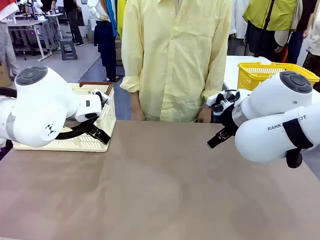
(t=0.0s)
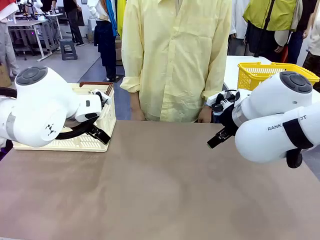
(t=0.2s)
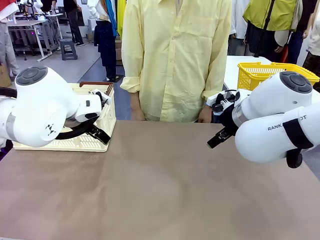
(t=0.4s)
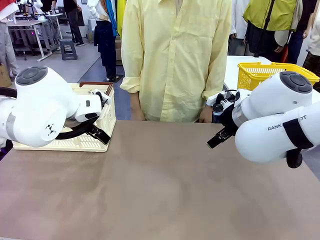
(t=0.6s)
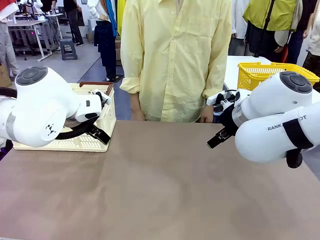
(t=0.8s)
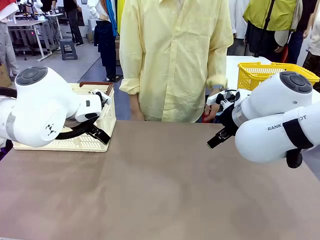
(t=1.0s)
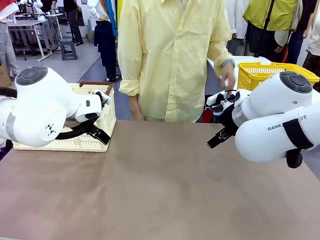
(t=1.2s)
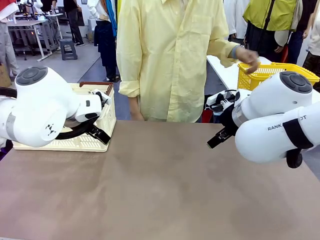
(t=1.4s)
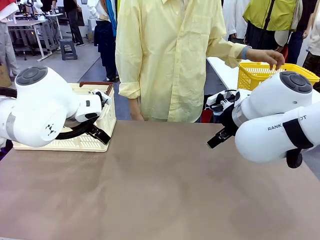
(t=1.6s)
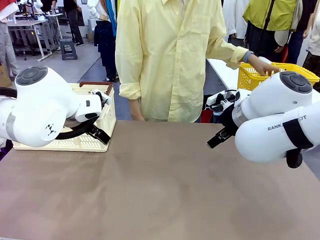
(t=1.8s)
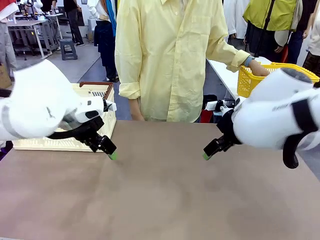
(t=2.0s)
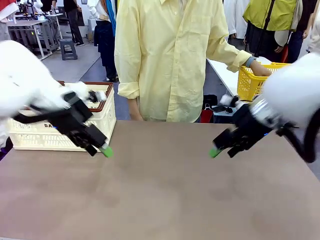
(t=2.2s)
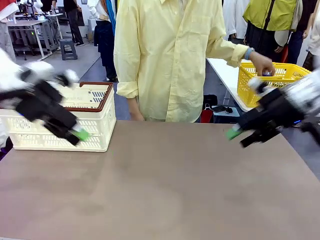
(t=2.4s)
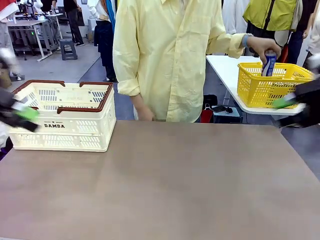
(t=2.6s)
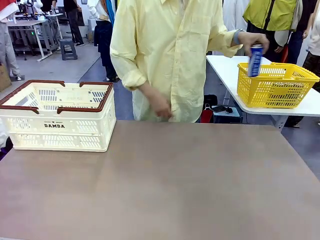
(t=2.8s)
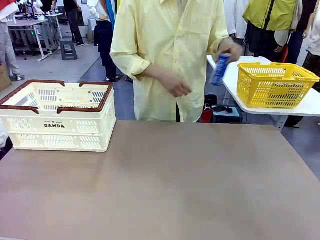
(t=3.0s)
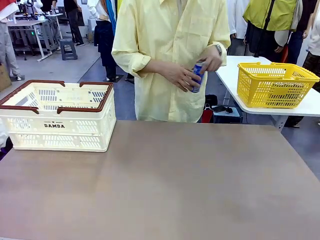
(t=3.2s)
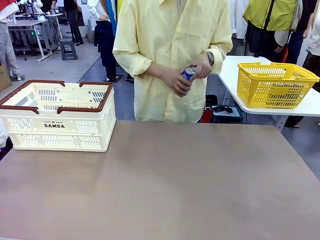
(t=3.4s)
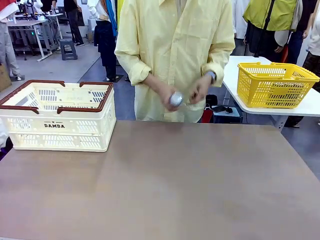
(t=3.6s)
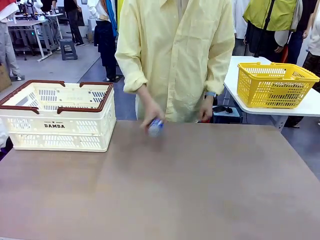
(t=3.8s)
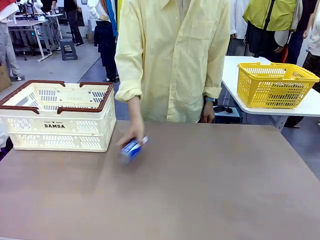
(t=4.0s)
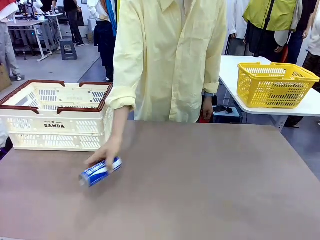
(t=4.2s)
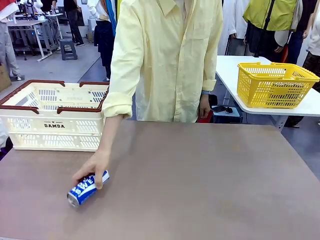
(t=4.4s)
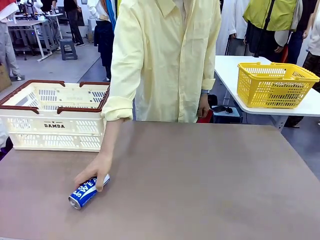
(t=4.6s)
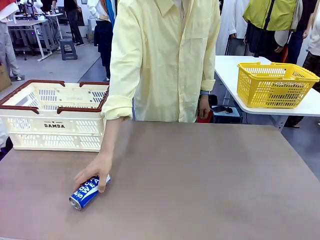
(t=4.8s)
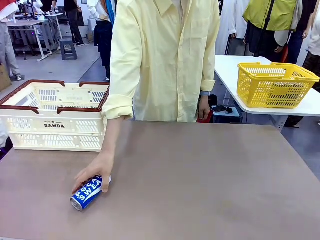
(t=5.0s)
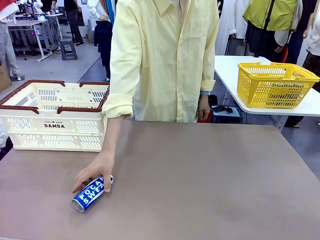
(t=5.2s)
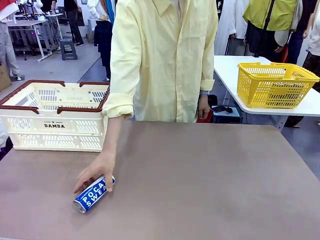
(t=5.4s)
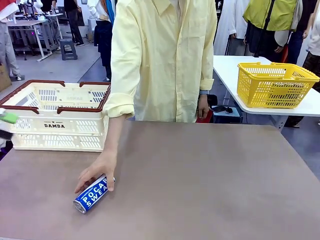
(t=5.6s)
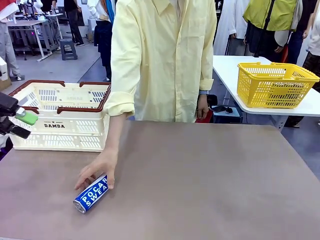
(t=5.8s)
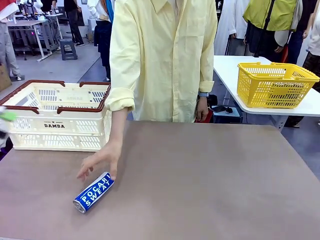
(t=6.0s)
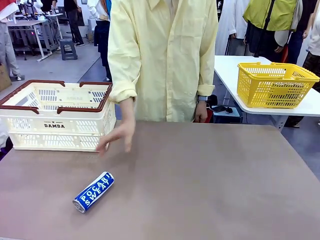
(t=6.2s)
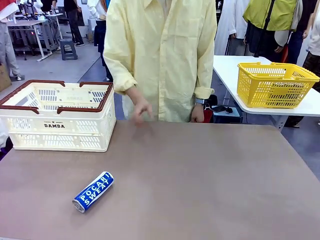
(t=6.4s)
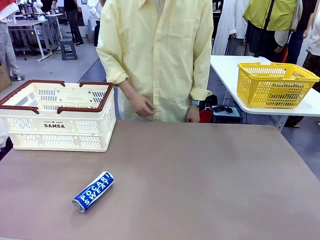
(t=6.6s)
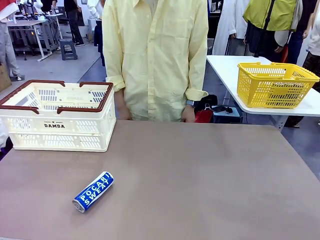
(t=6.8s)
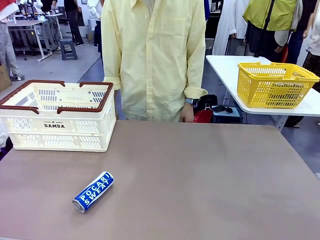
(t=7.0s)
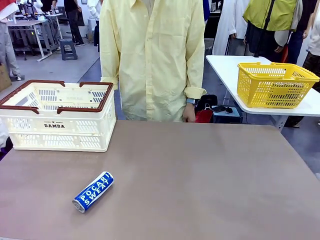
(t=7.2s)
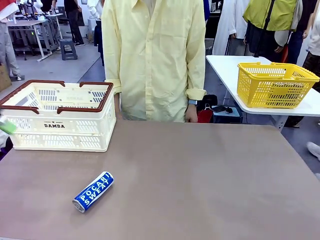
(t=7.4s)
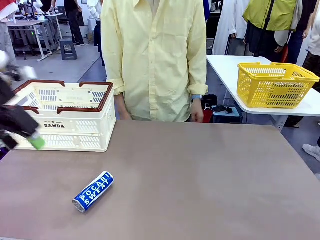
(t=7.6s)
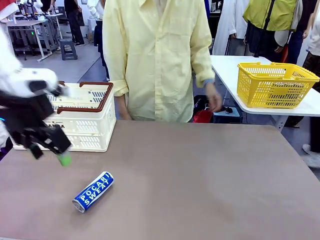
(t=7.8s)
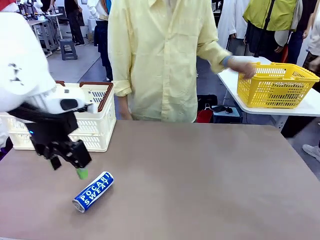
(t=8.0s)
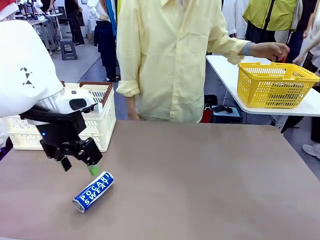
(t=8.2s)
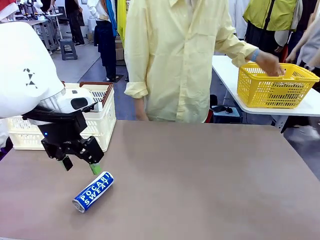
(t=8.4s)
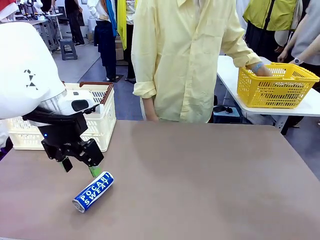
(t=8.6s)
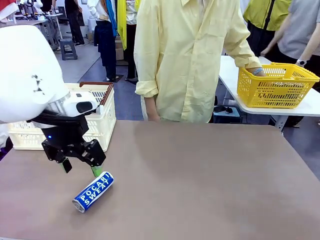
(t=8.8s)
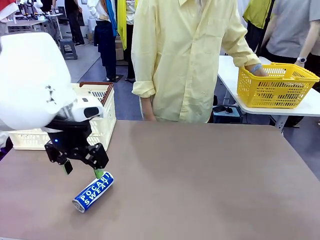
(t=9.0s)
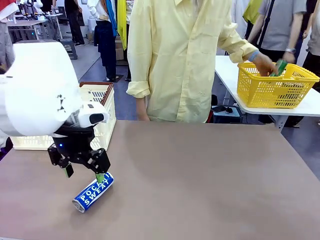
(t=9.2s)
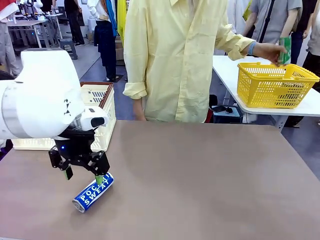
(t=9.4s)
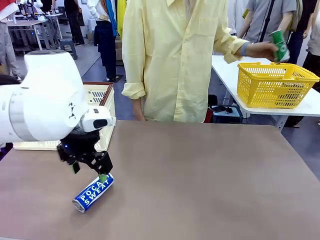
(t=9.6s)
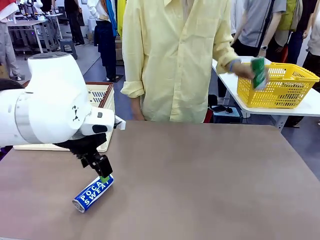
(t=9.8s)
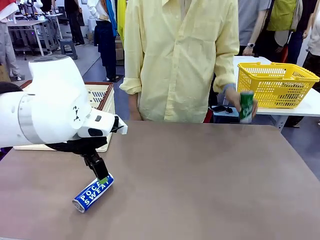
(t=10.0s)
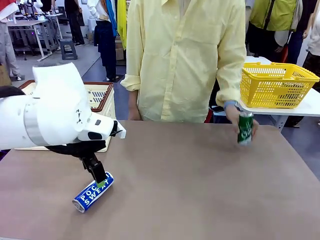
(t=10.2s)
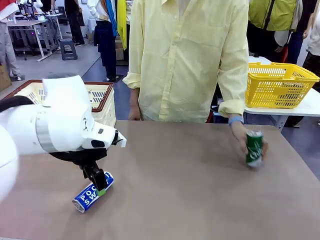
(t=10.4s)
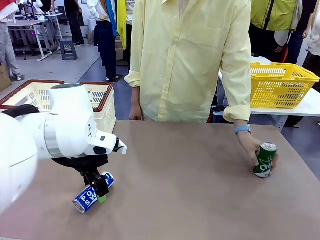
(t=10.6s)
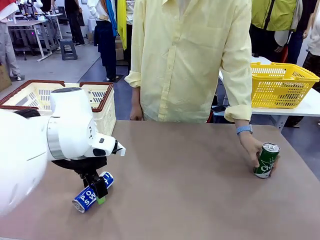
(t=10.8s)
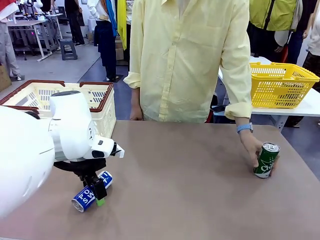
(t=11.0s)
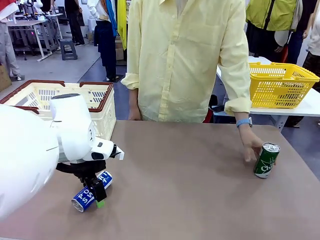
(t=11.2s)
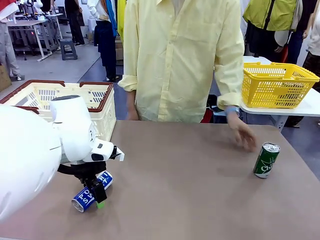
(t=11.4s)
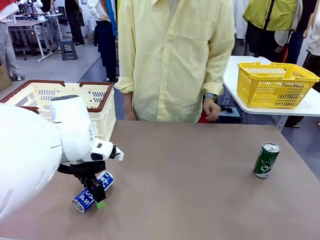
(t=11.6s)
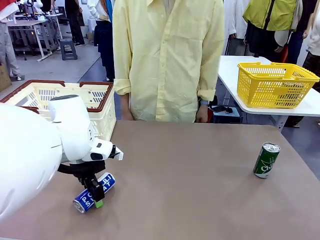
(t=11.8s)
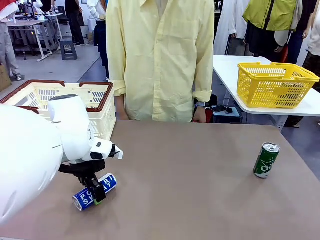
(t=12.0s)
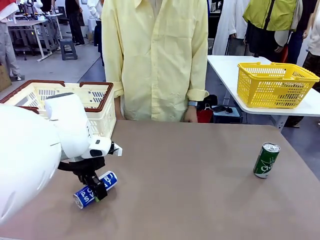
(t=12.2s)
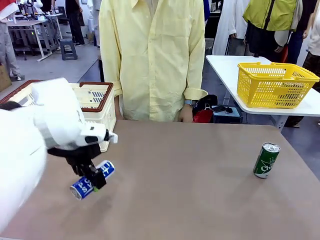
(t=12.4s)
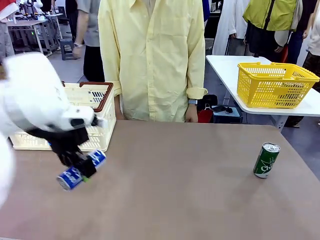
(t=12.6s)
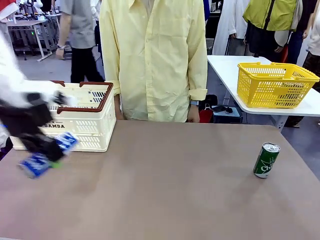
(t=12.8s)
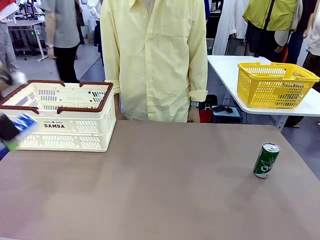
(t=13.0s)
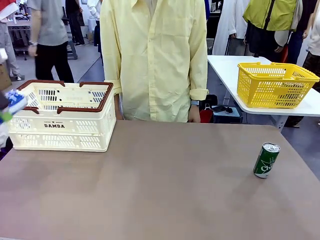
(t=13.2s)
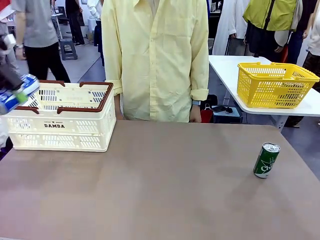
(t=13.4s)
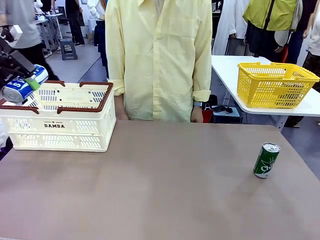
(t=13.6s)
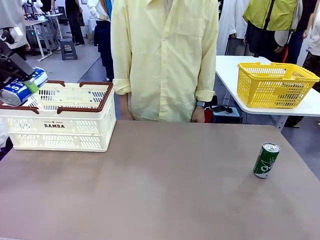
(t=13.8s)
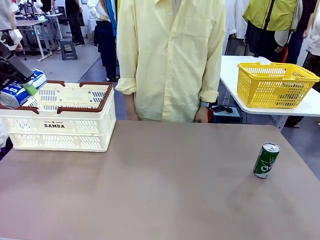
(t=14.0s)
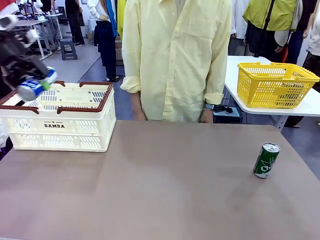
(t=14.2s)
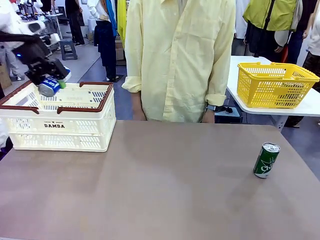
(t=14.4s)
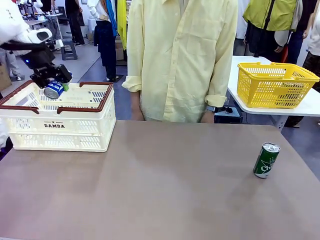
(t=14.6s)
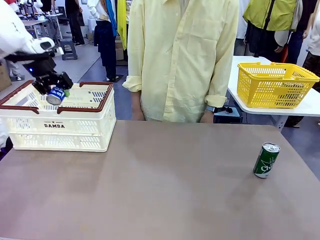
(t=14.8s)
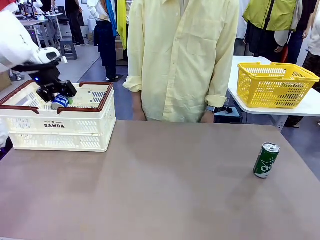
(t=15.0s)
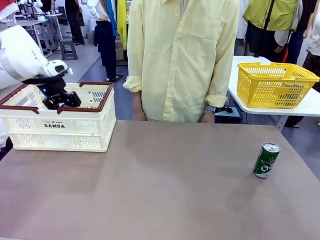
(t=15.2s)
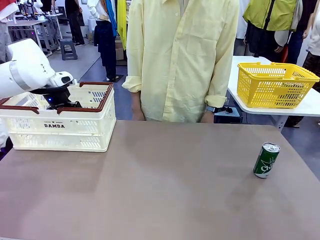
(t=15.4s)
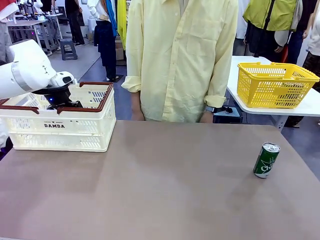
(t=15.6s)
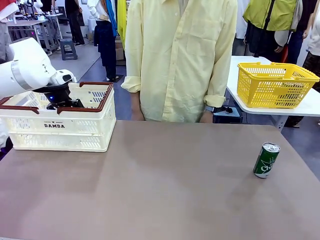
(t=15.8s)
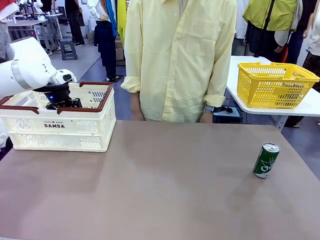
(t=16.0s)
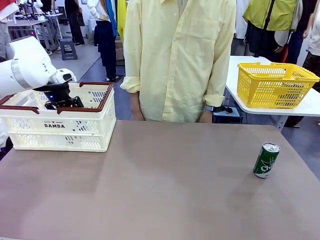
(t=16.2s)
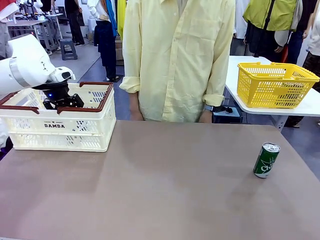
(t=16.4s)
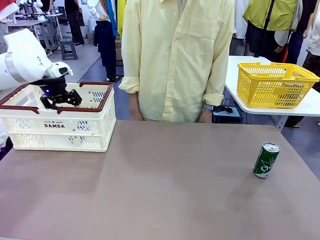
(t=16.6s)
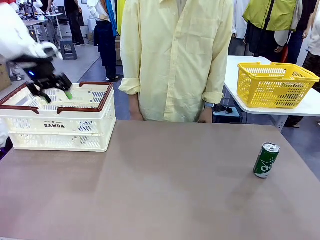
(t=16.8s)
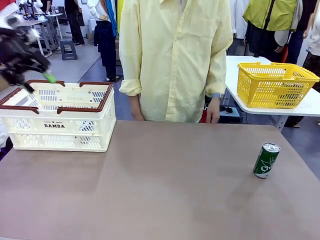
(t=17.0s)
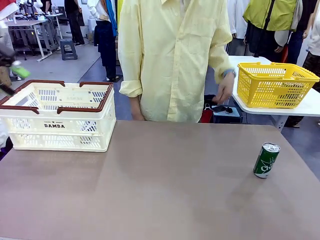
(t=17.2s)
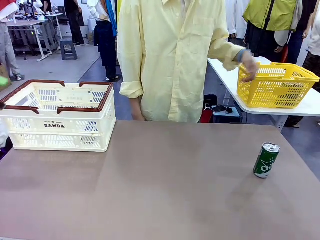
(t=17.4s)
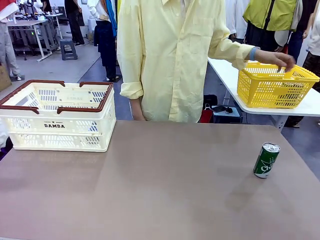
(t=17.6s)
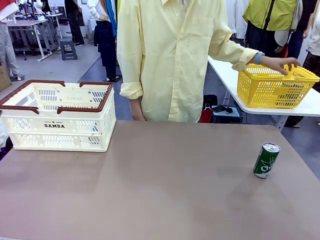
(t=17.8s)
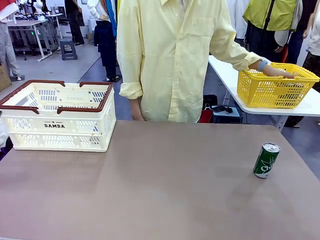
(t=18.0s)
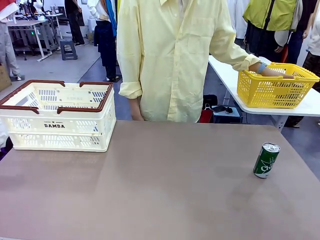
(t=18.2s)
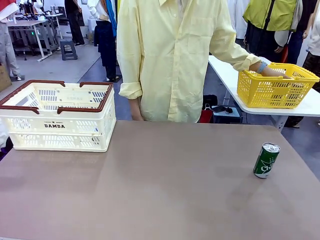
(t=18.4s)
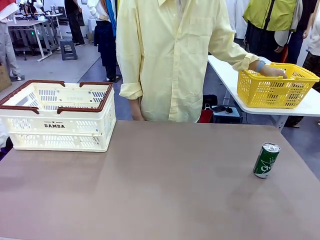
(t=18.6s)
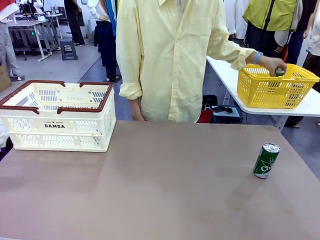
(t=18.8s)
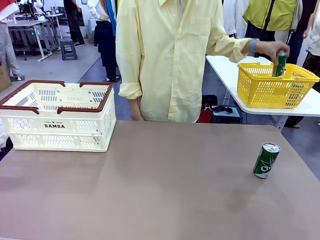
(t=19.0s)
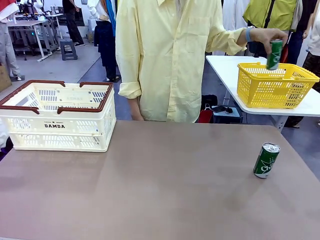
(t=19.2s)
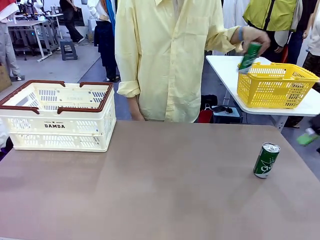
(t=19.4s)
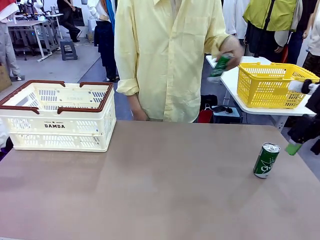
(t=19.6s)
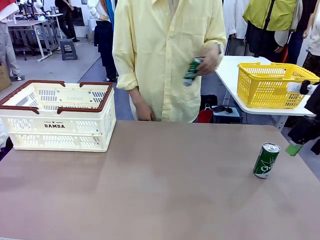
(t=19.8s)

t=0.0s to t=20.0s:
Task: Place the drinks into the Shopping basket.
Robot: Pick up one drink and place it into the Shopping basket.
